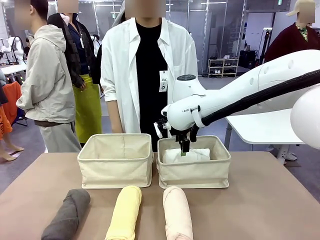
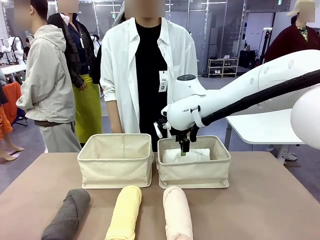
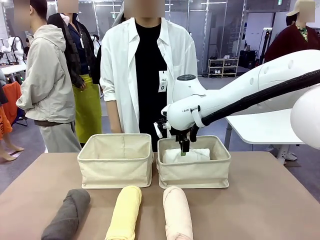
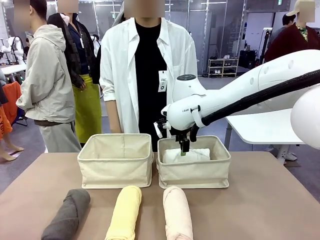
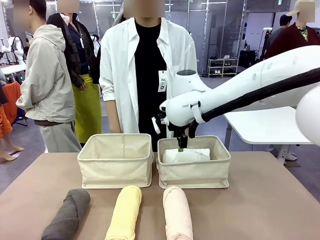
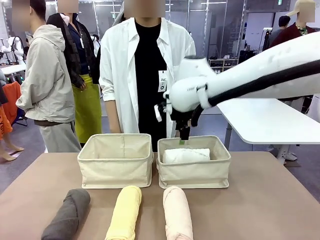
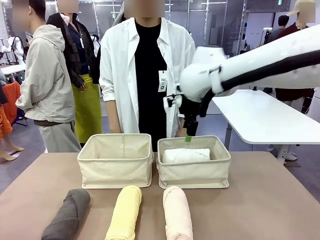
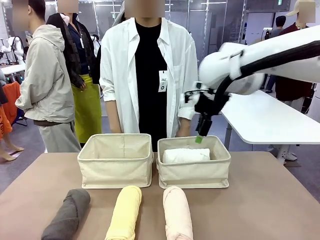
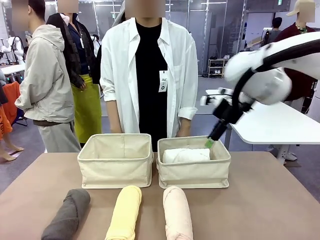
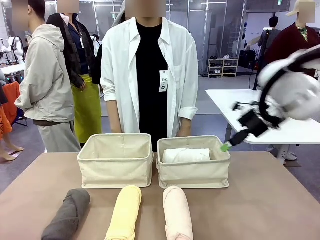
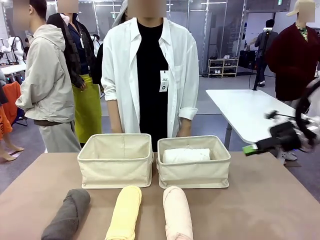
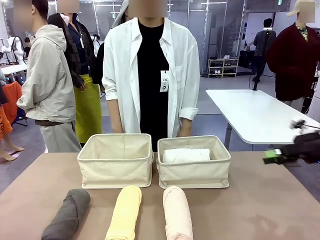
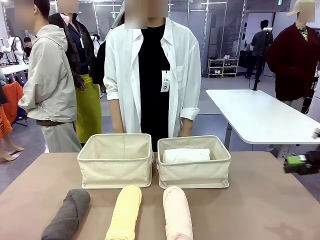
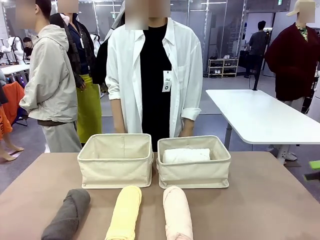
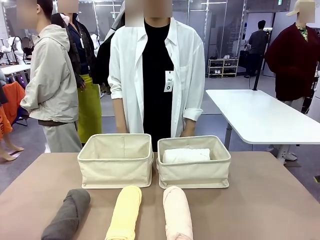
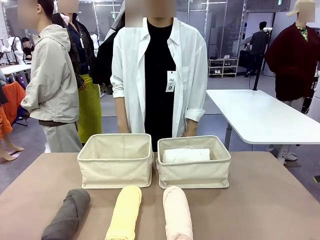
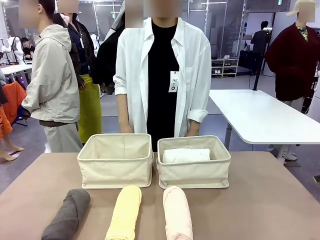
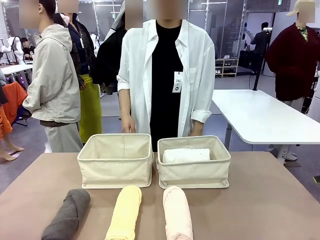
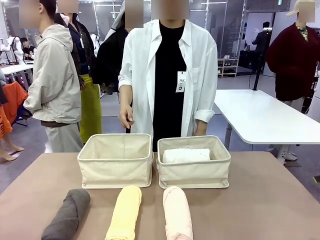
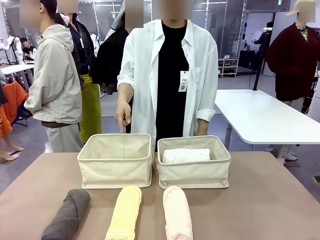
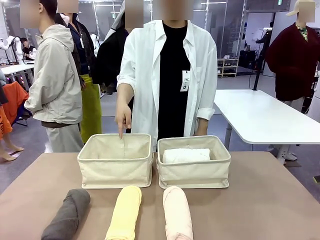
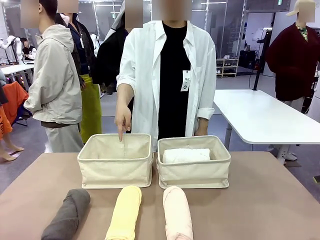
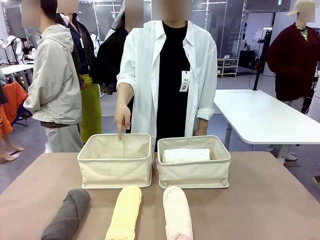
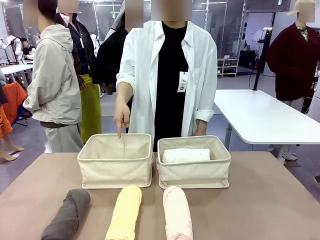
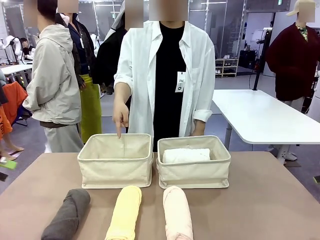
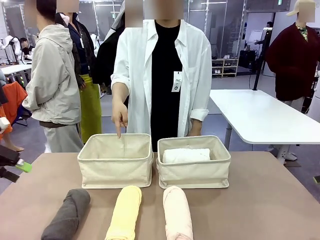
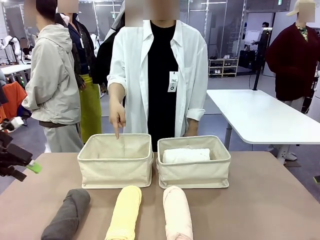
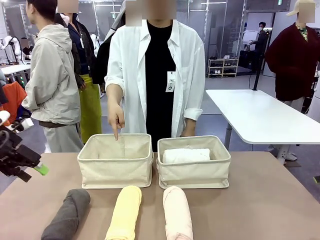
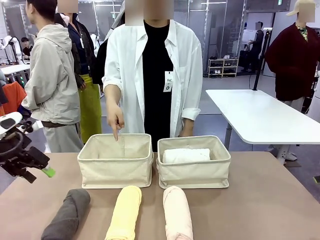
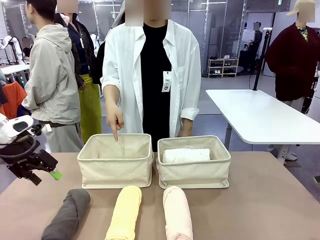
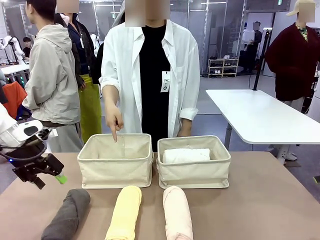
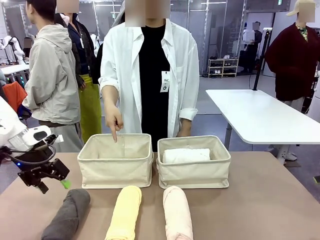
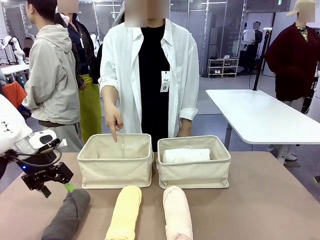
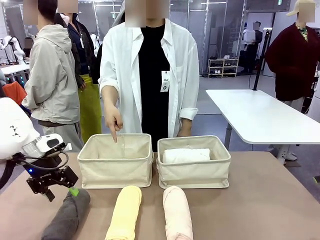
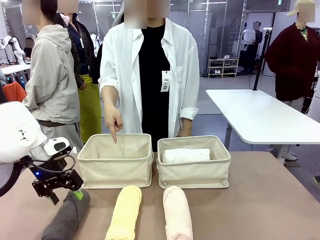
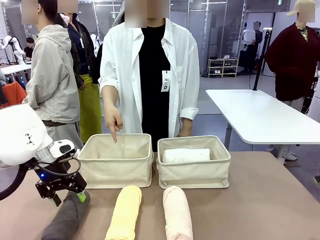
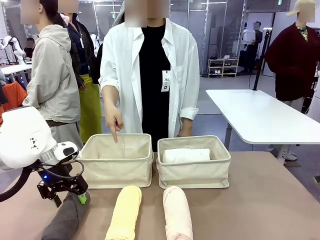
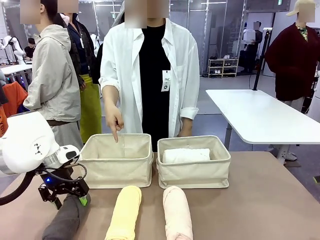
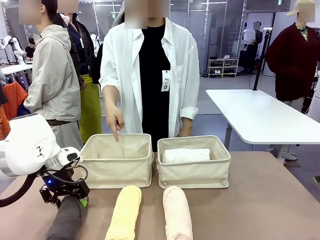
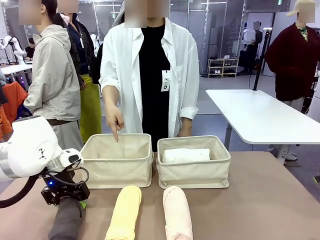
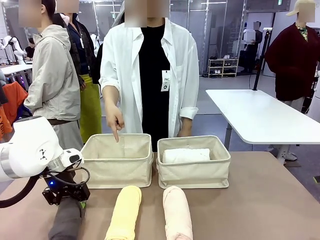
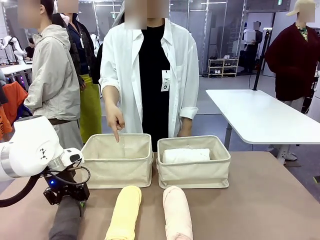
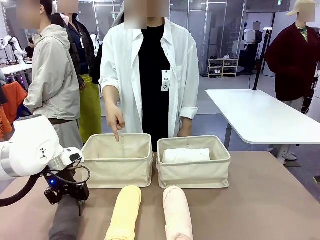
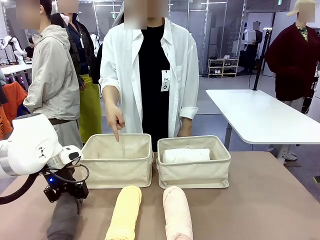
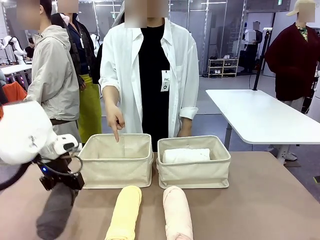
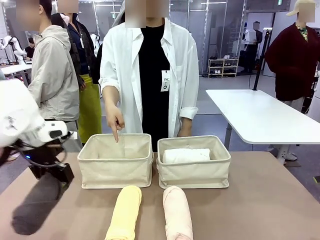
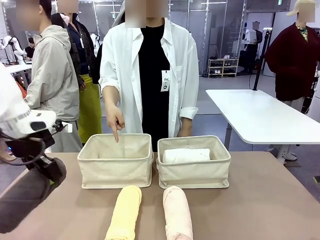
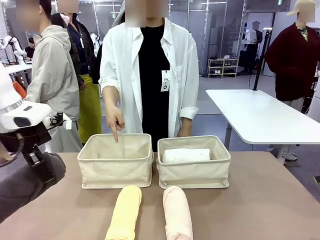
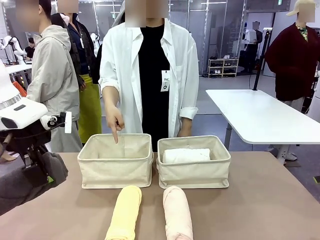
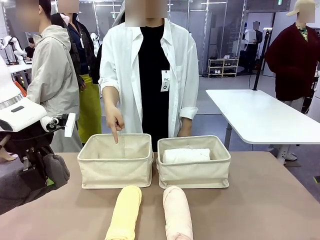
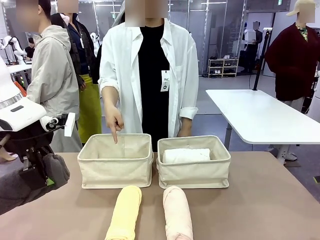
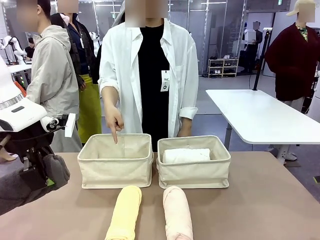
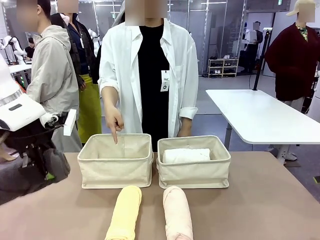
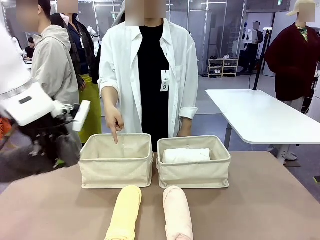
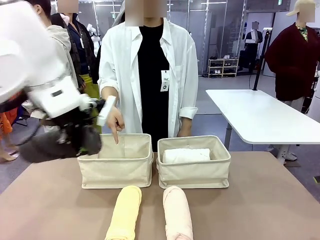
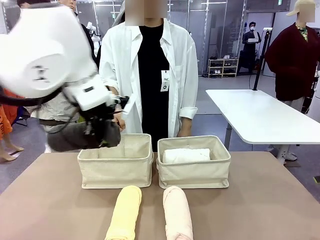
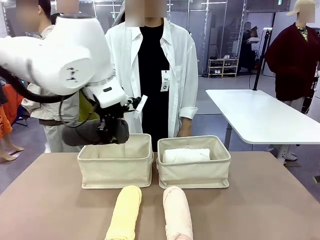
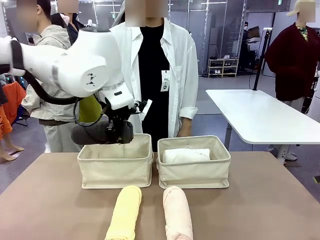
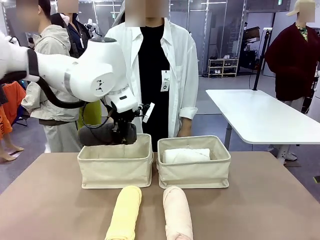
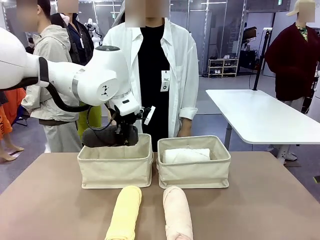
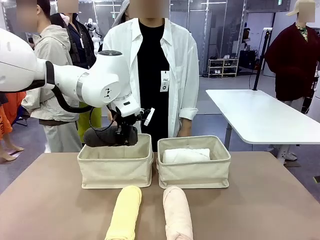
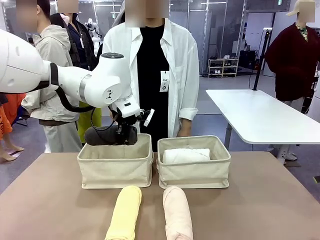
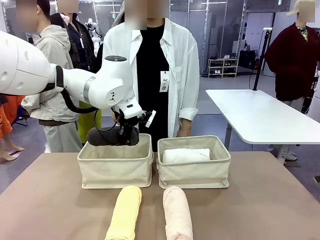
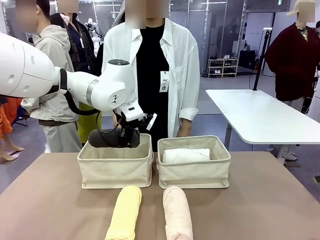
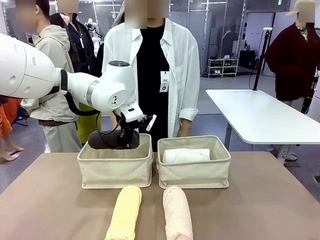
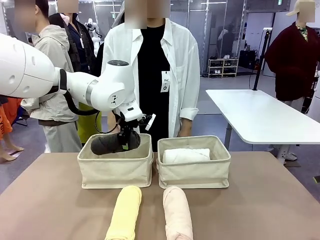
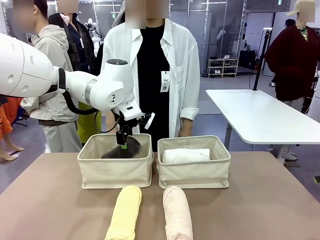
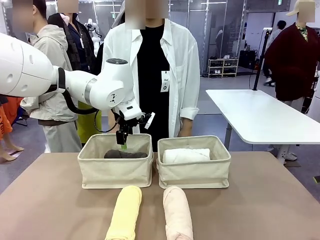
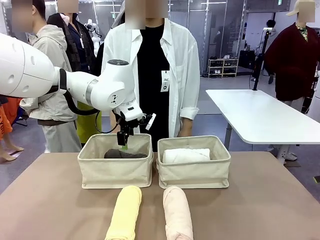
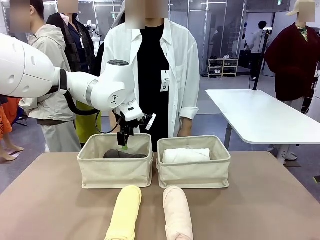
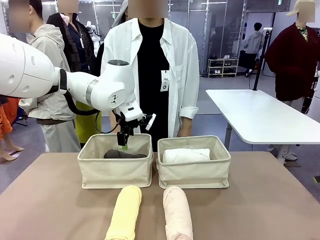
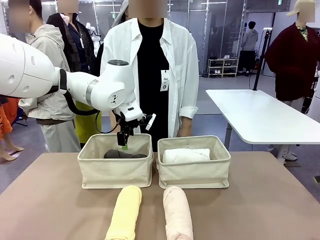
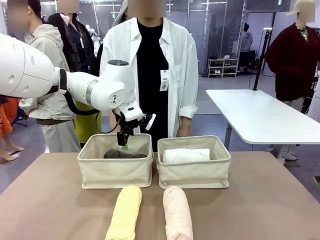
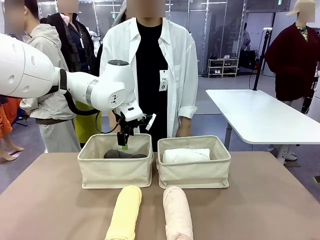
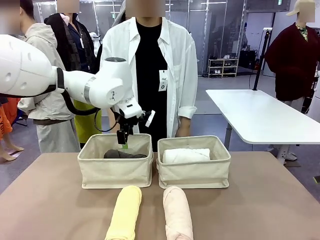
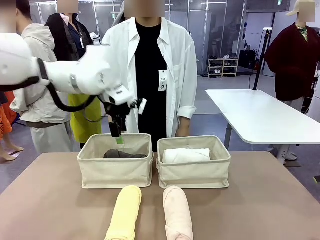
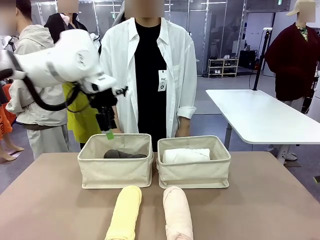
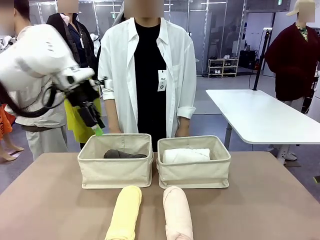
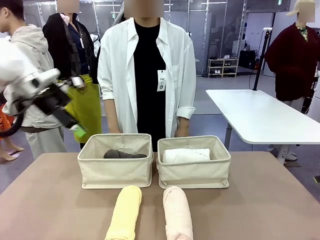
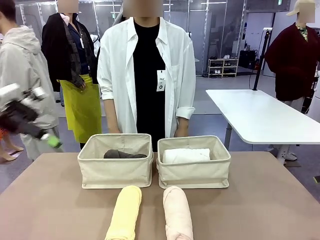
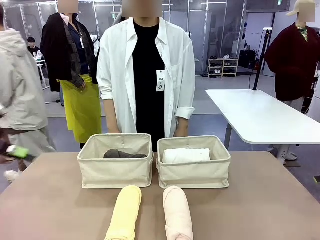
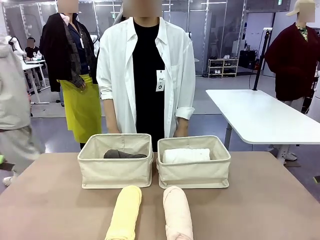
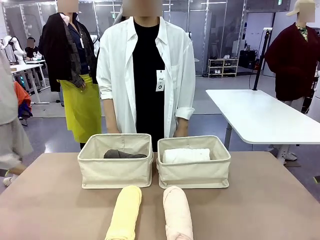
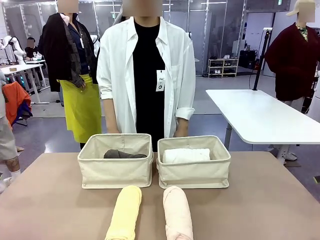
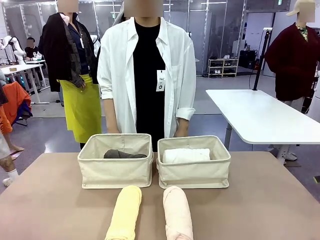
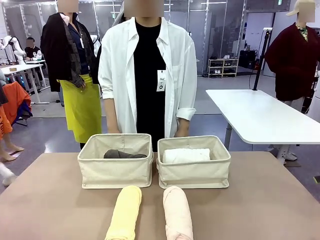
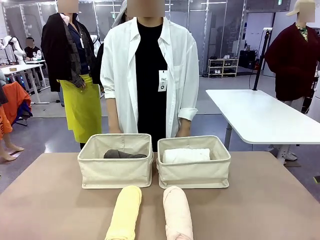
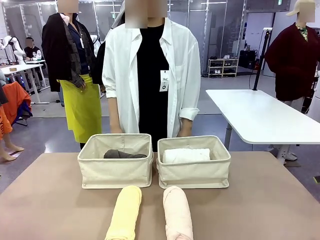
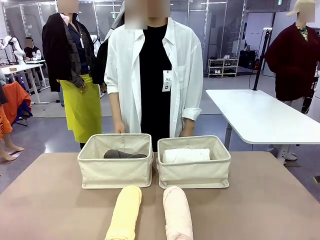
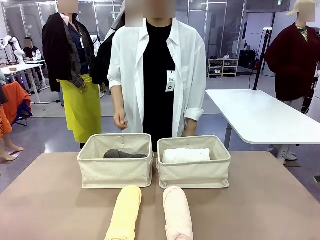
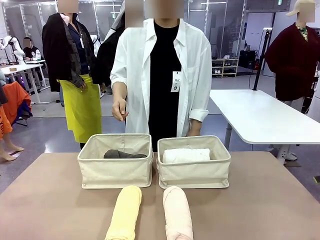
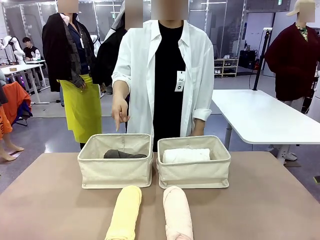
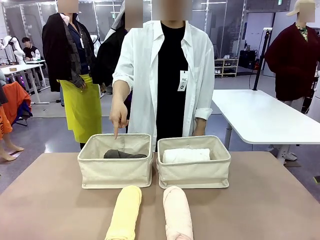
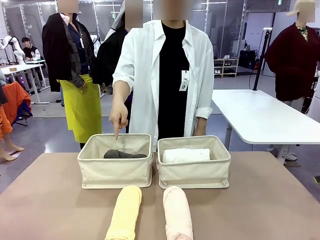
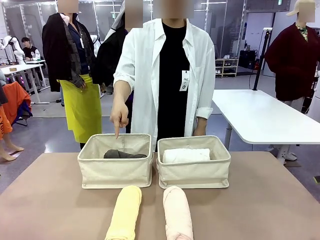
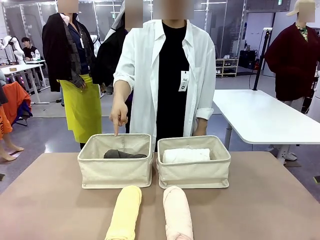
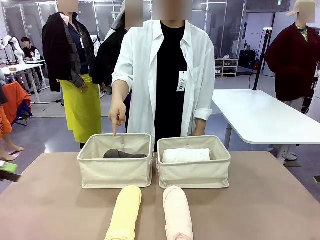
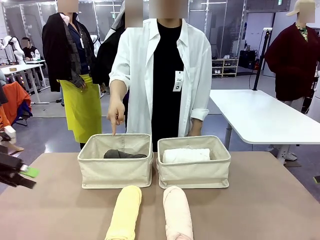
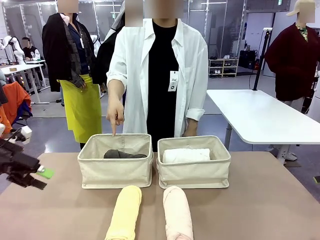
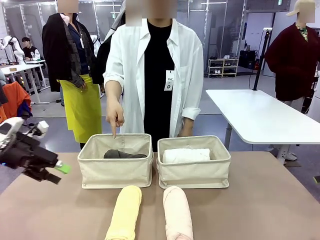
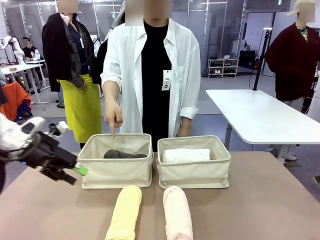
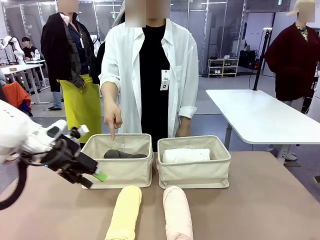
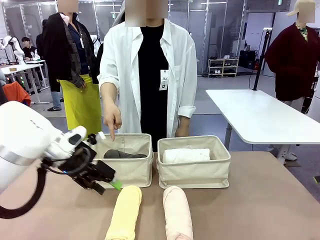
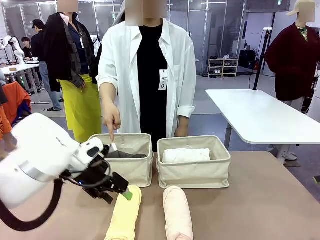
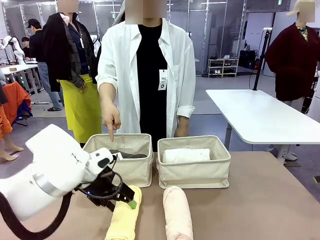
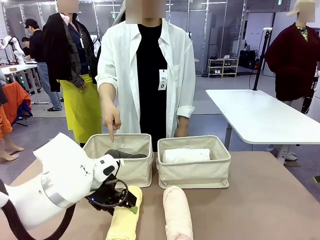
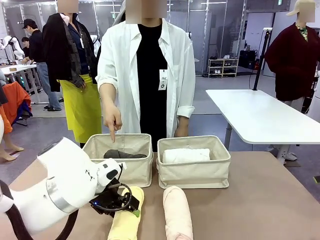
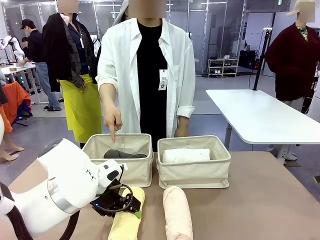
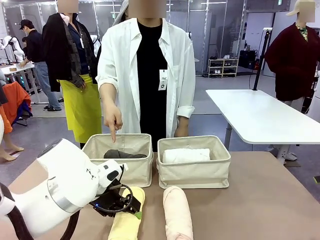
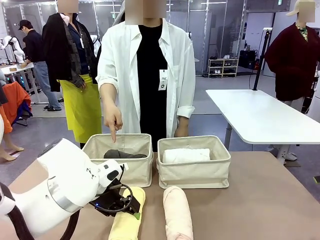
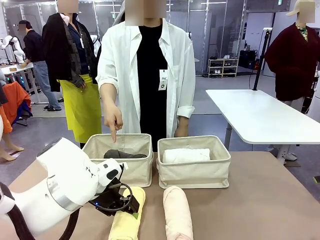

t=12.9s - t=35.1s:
Task: Divide the towels into two baskets.
Robot: Pick up one hotel-folded towel from the bottom of the table and place it in the Fabric basket indicated by the person.
